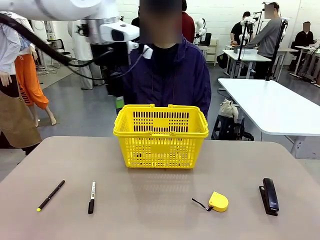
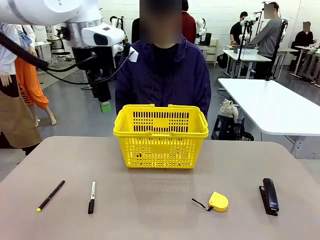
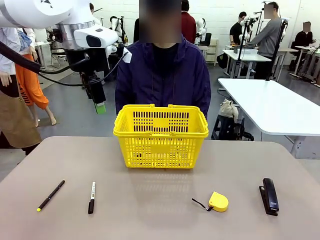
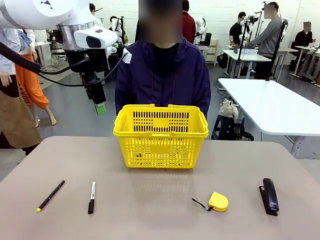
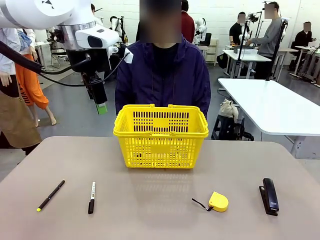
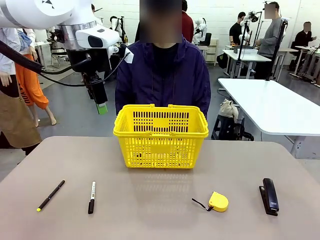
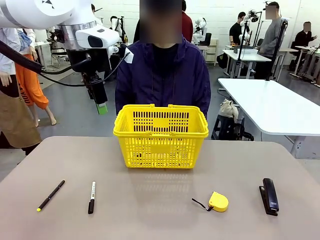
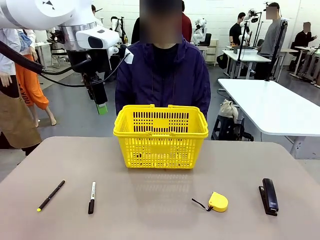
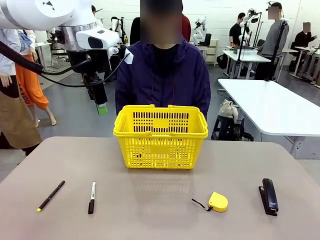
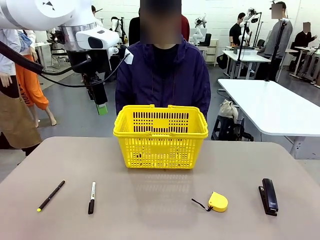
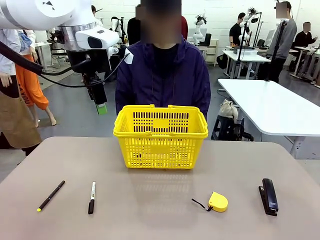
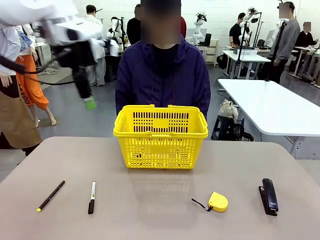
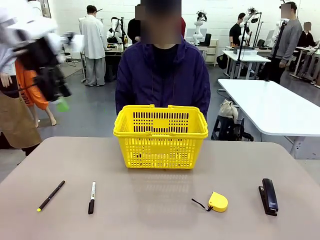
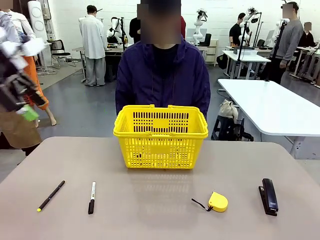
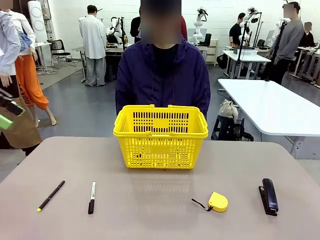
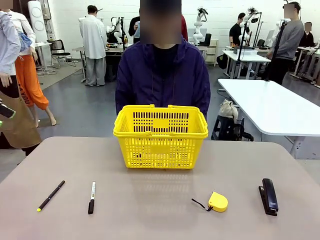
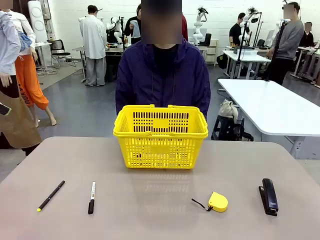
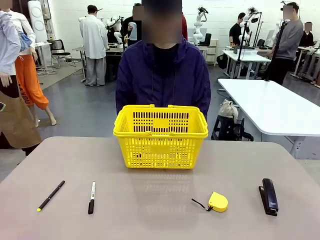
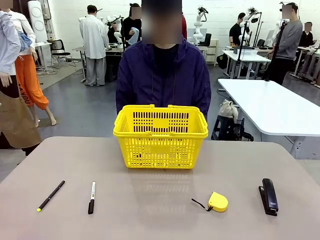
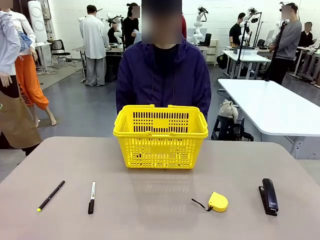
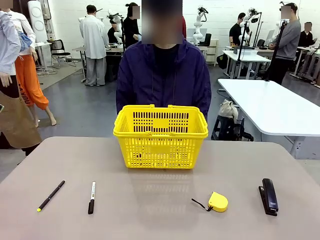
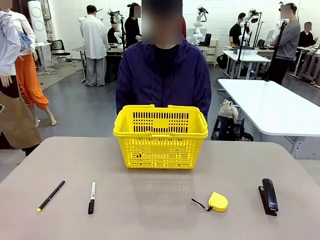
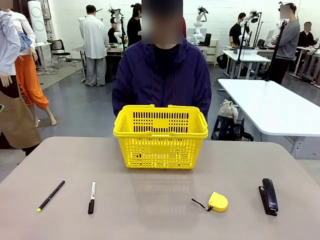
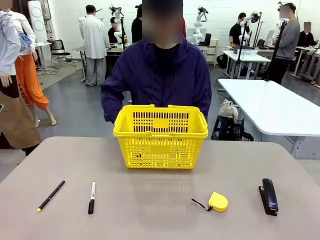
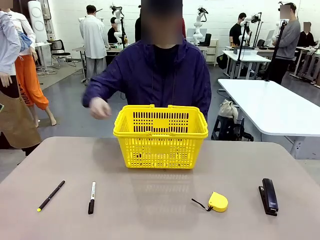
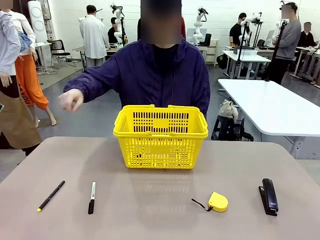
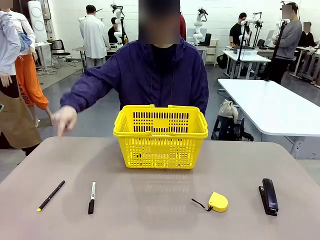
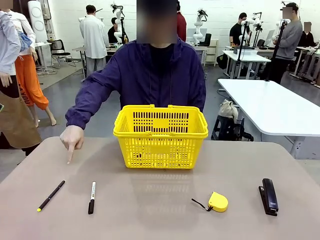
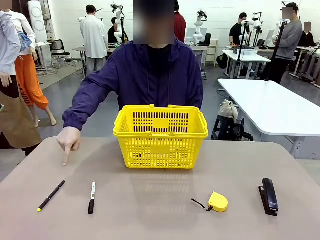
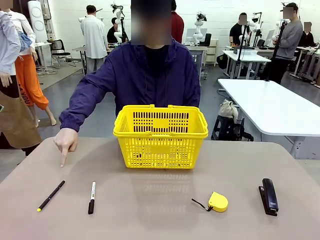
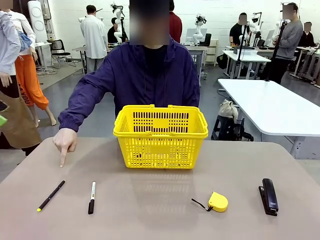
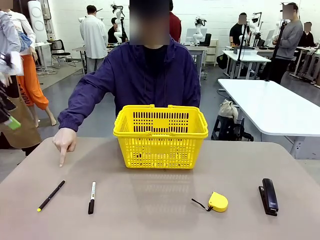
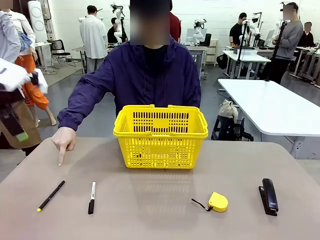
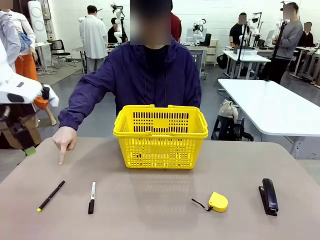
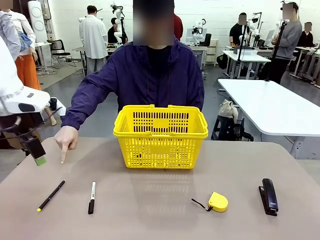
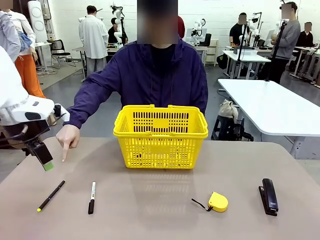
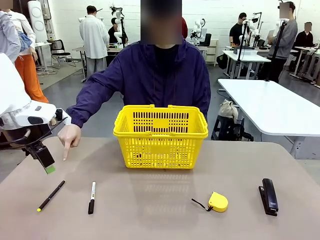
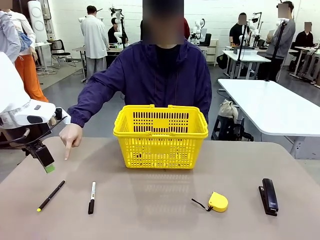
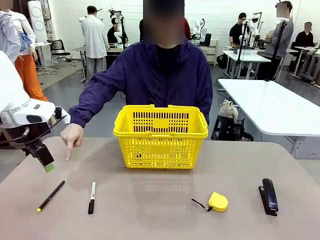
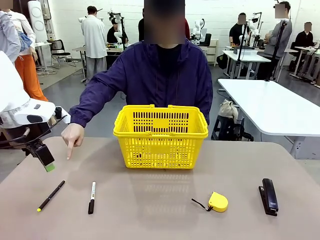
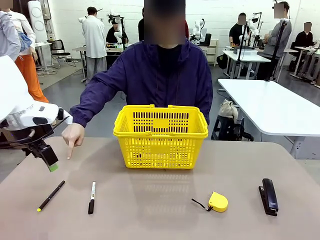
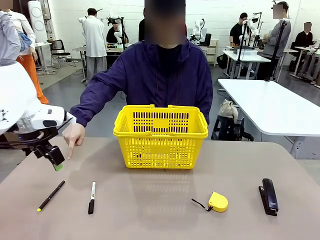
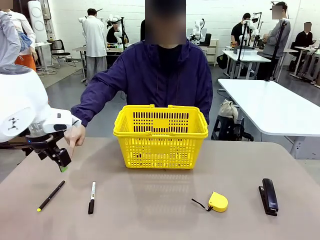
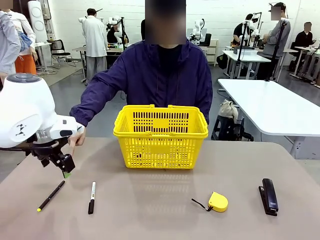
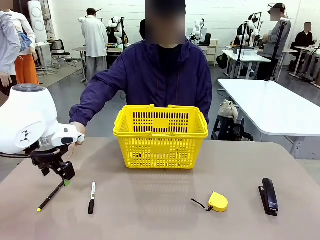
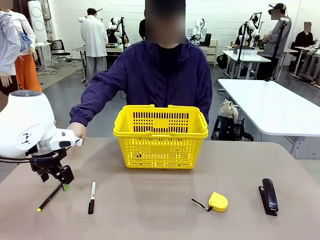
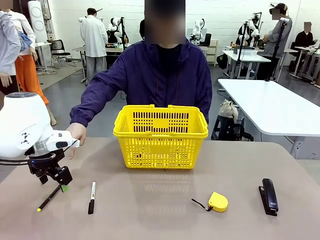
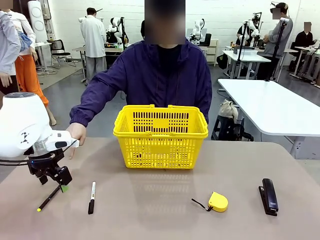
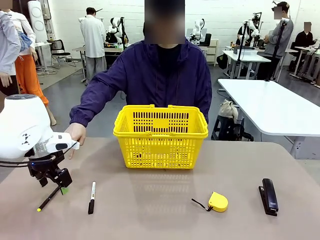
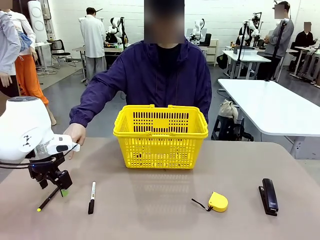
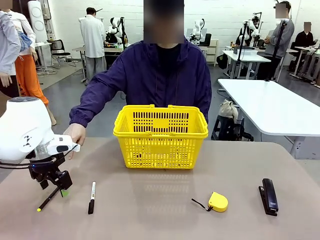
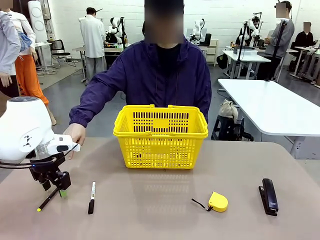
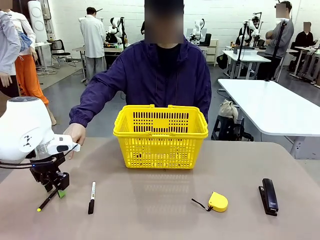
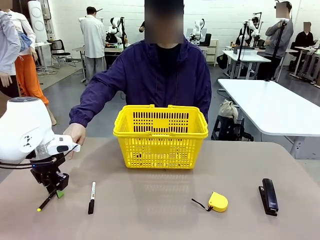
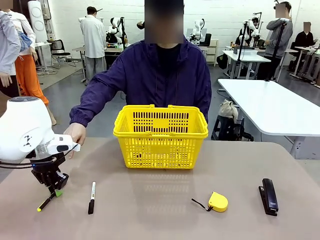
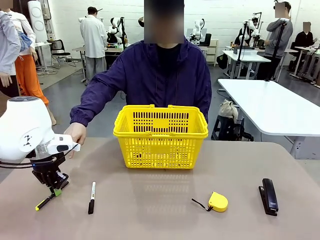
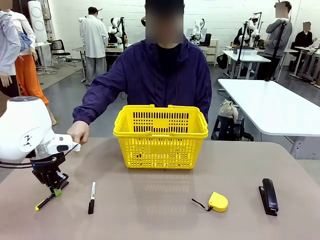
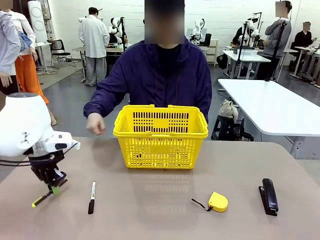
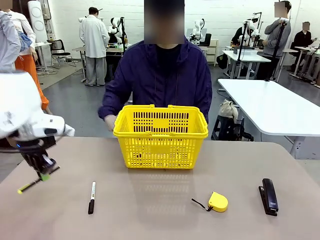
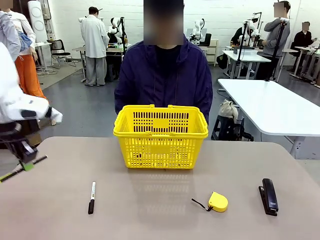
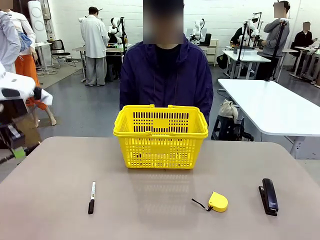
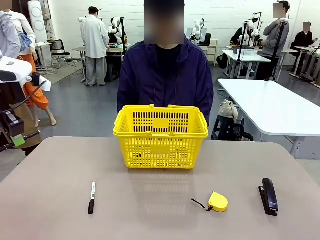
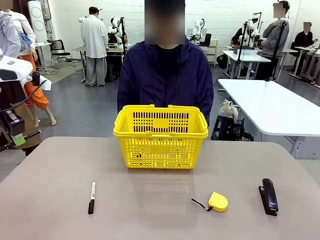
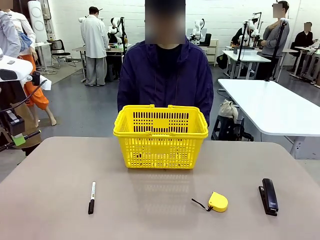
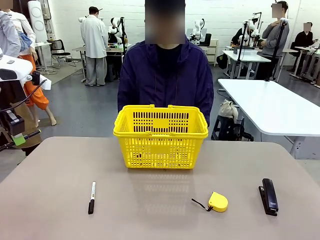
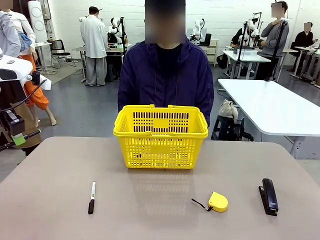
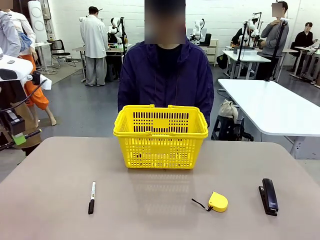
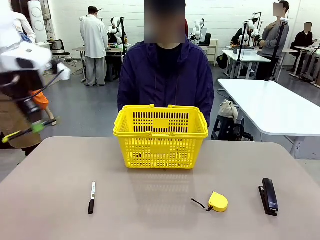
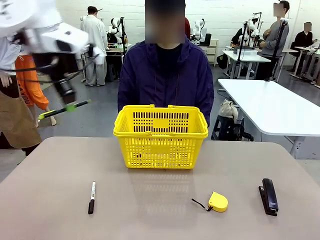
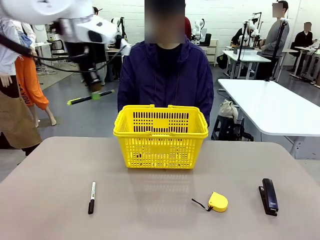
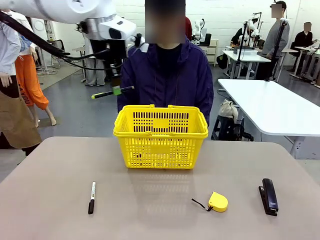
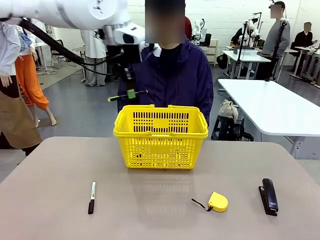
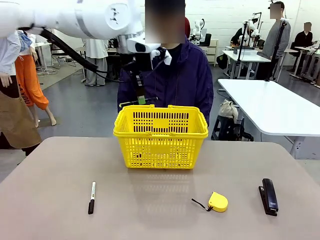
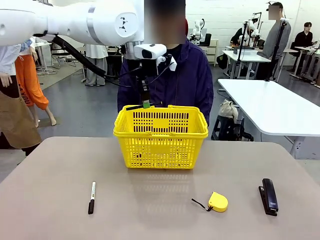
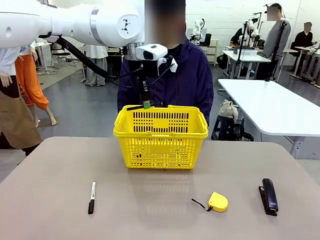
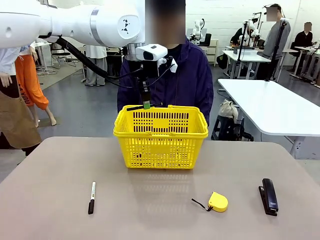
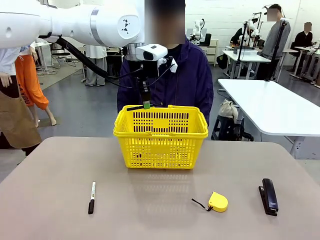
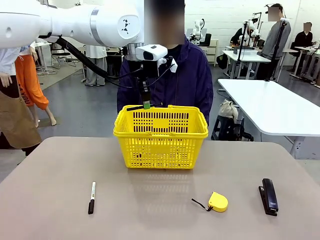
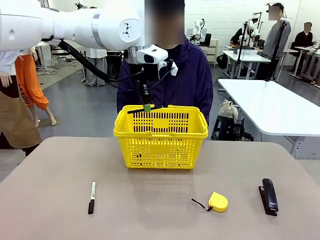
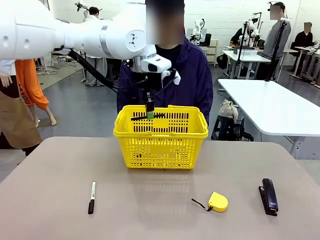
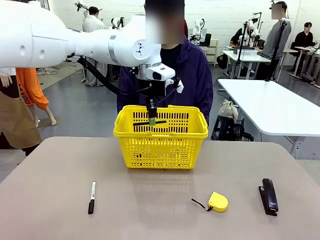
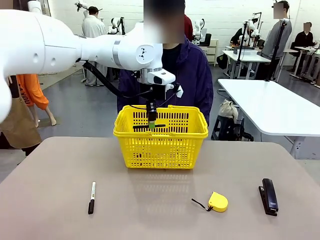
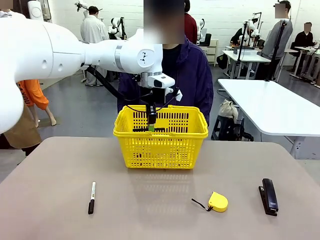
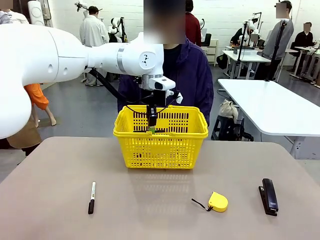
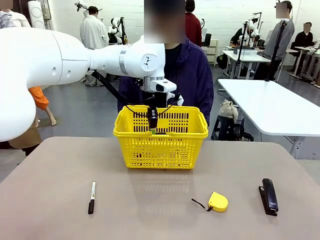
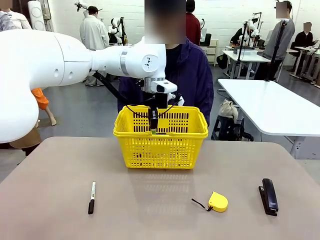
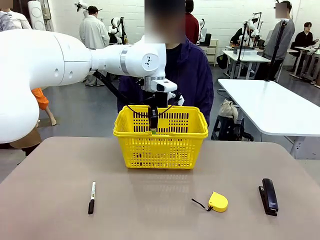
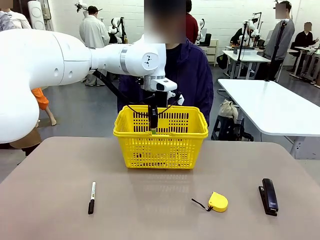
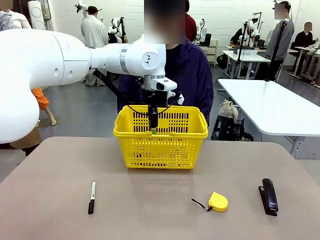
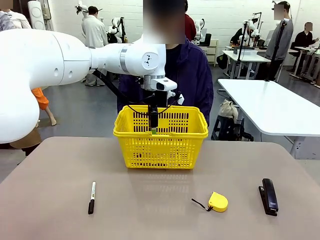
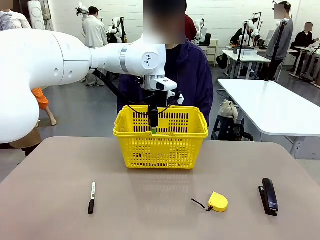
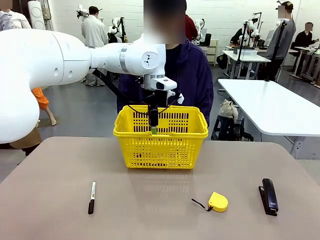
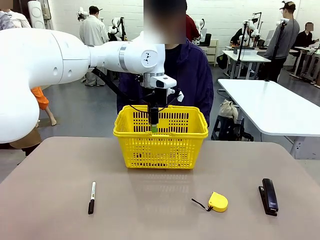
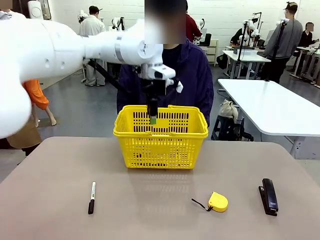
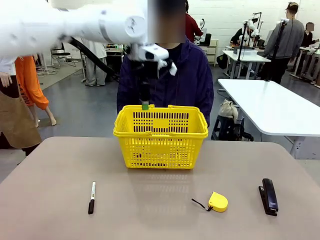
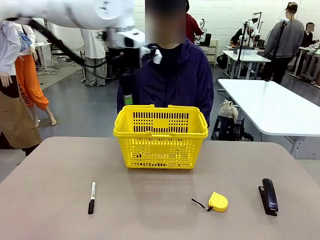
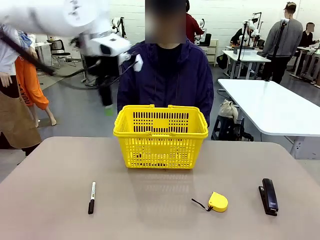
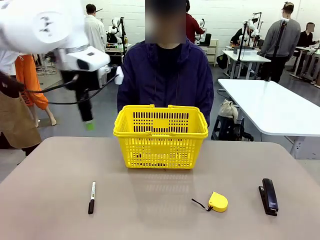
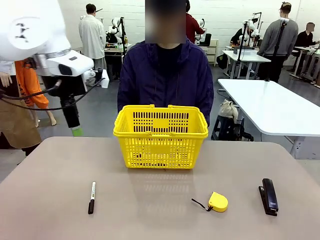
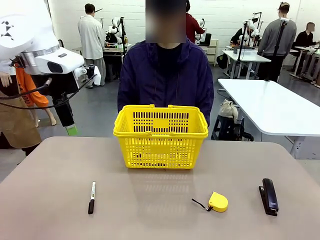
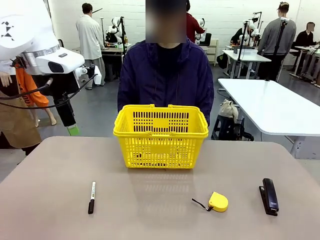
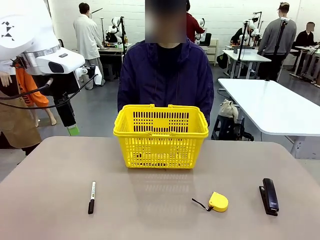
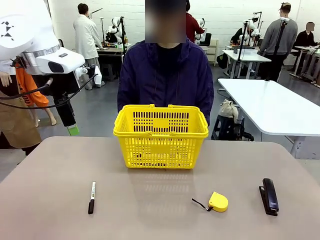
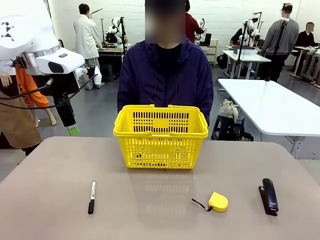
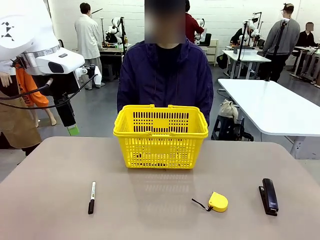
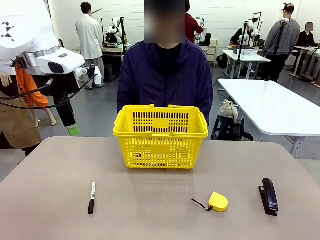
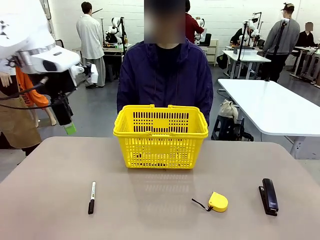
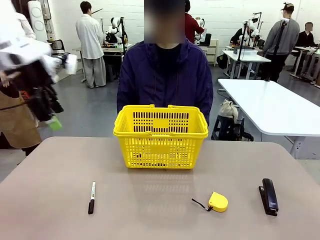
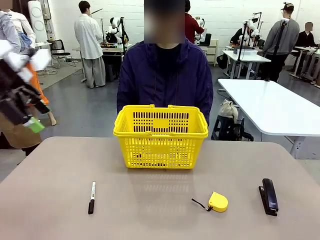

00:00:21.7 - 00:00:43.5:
Task: Place the items the person wants into the basket.
Robot: Pick up the item the person points to and place it in the Market Basket.
